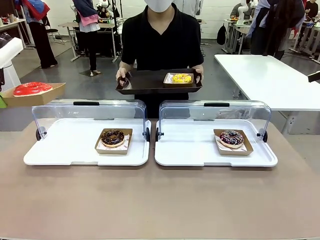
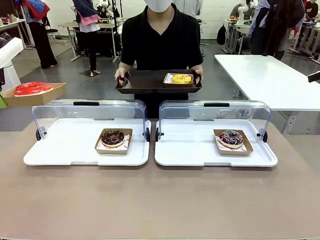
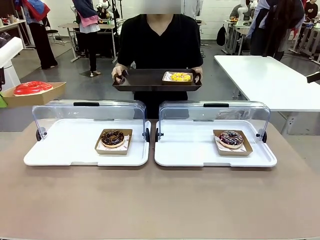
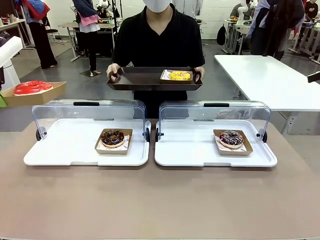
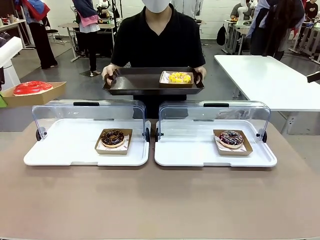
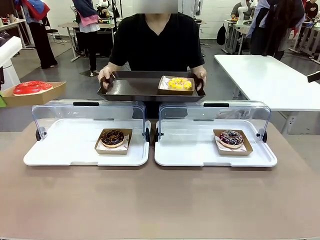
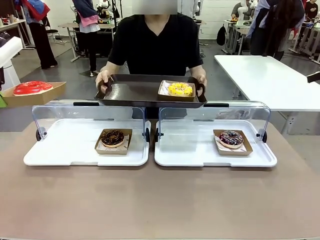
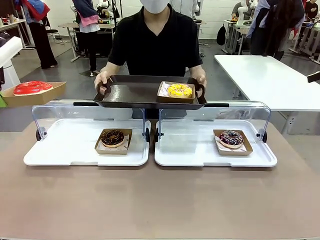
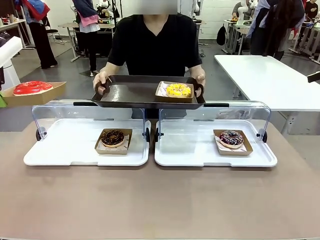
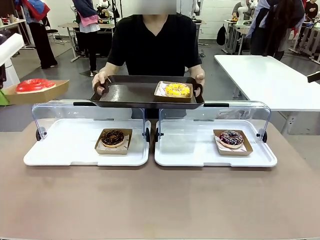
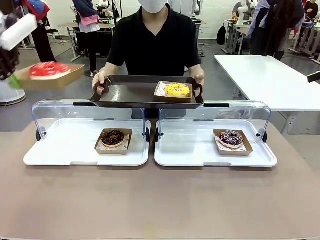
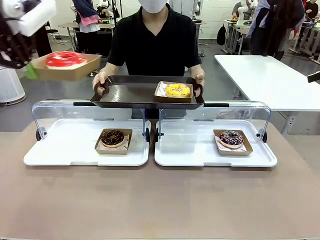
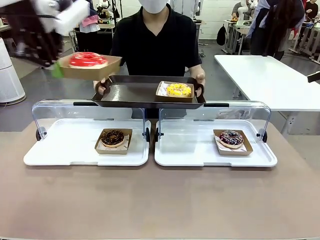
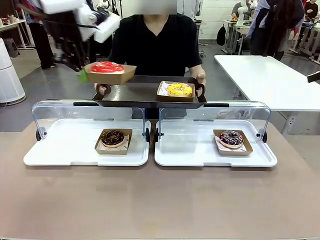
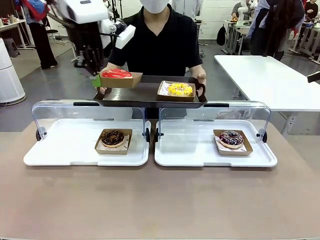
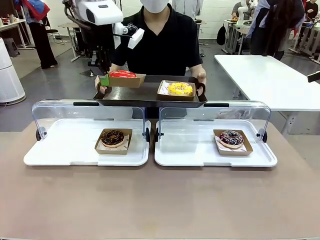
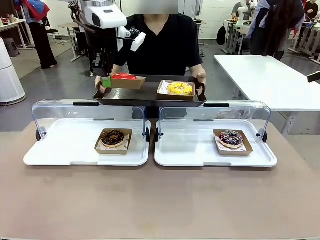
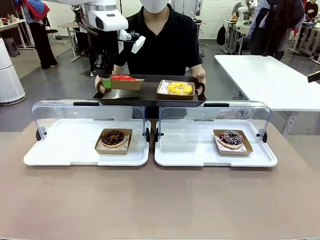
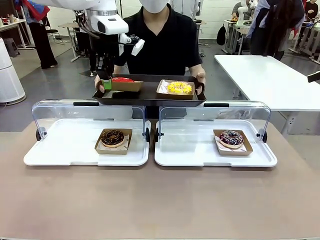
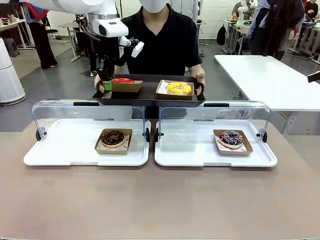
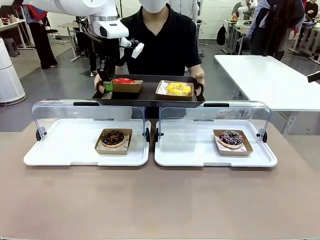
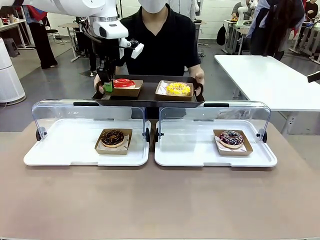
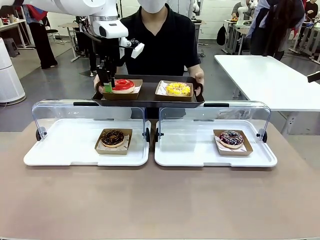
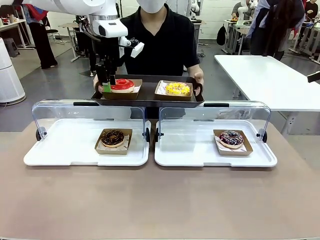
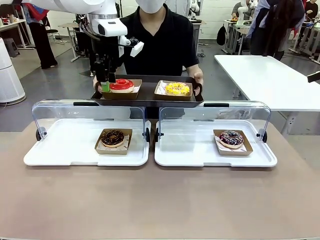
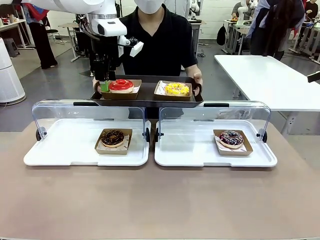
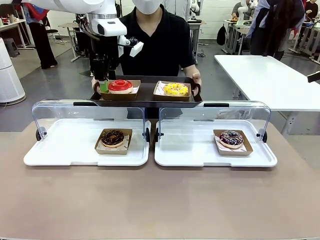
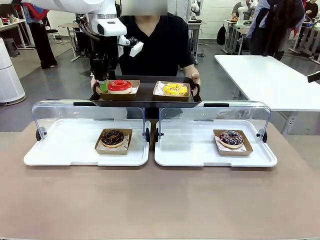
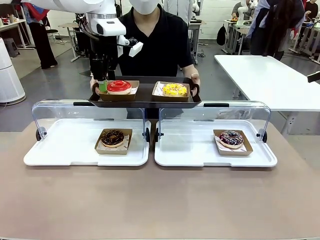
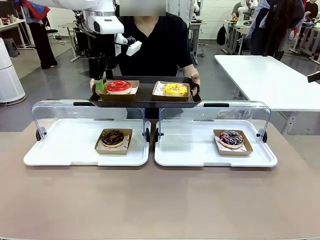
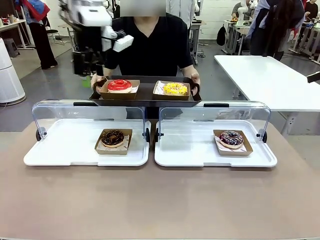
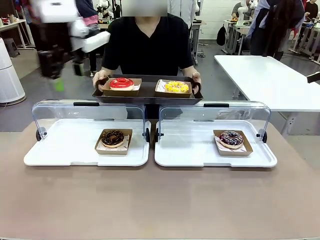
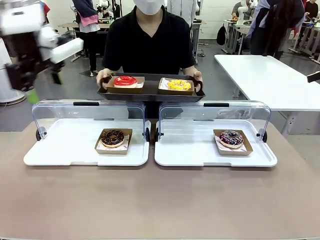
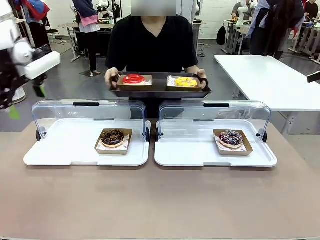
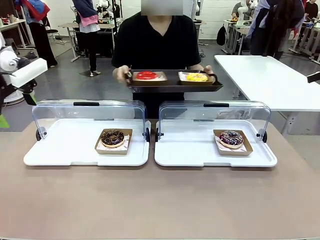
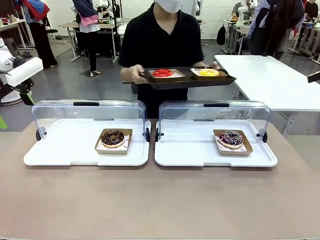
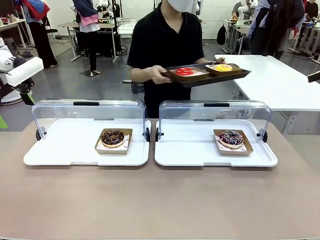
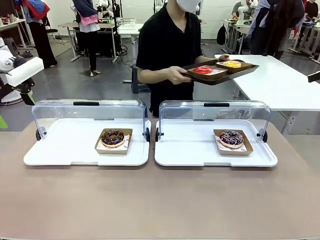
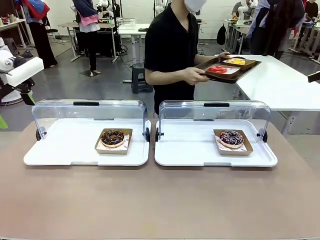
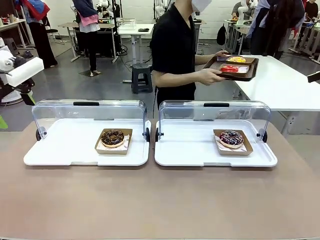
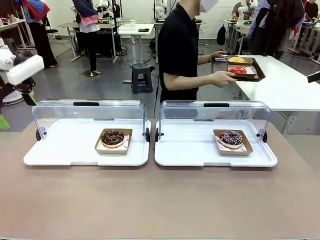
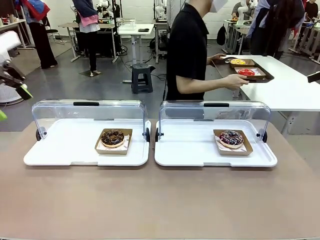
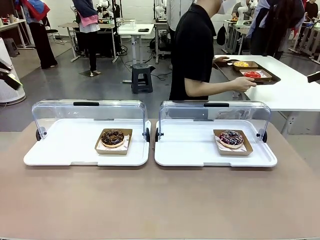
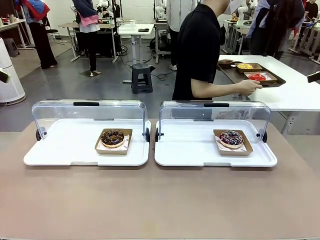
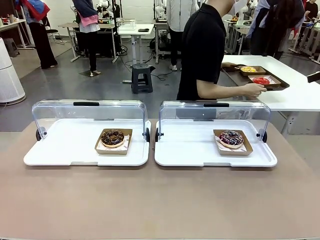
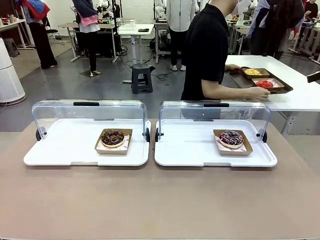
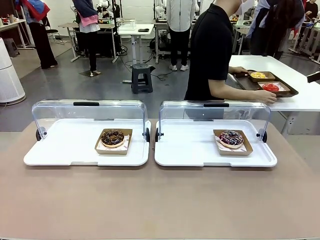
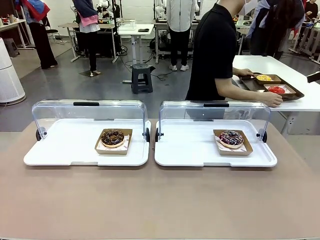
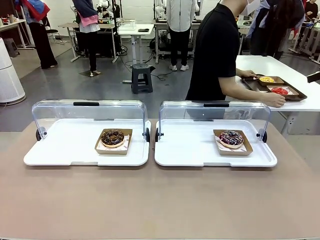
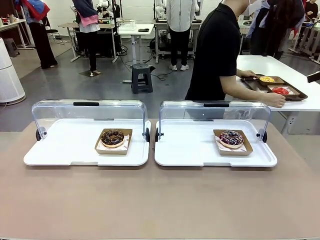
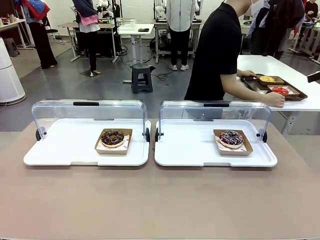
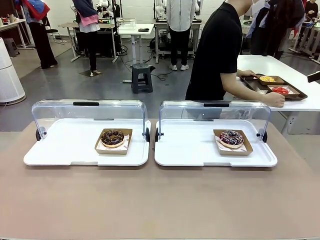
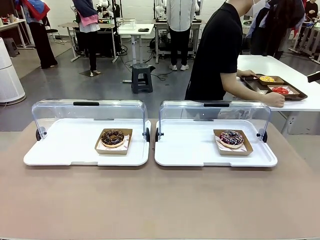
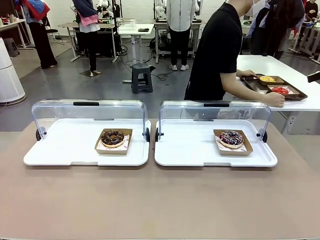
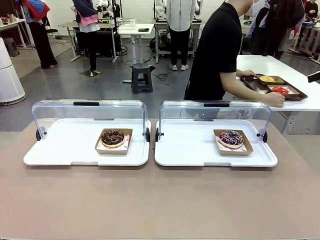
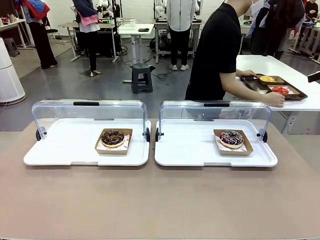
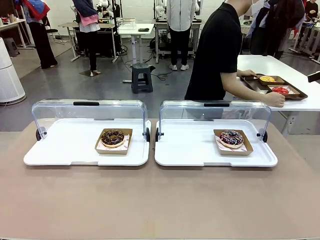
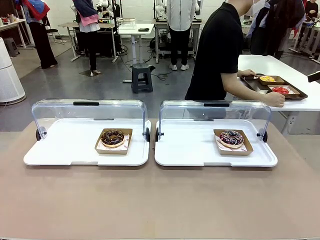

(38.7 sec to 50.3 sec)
Task: Provide the desired donut to the person.
Robot: Place the picked Paper togo box onto the Handle tray extended by the person.
Person: Place the tray in the middle of the human table.

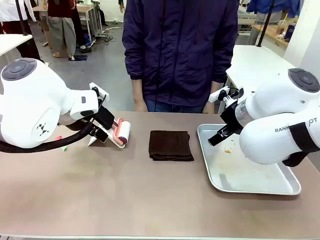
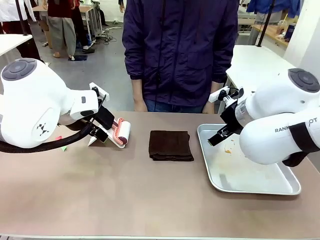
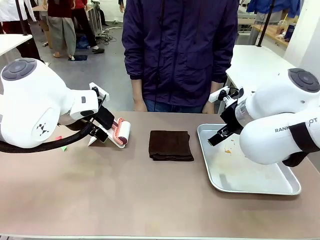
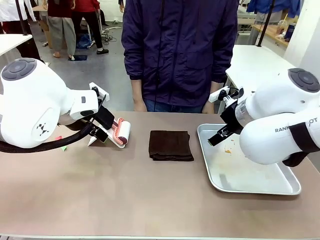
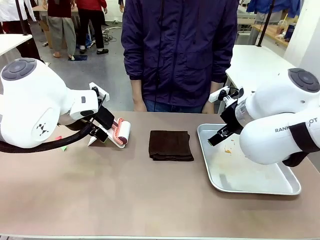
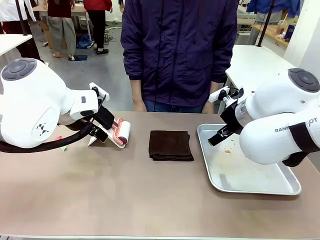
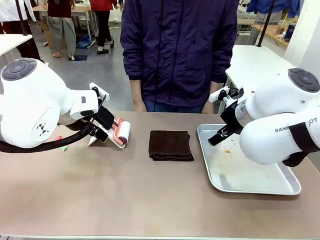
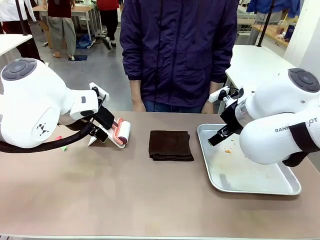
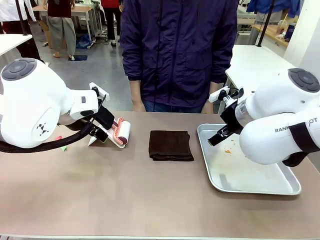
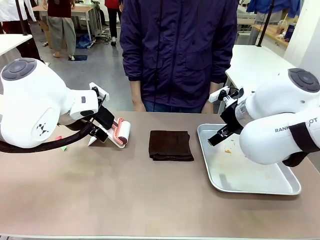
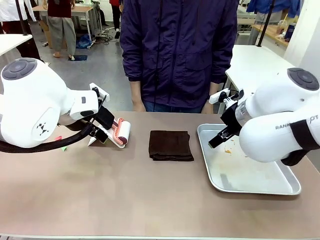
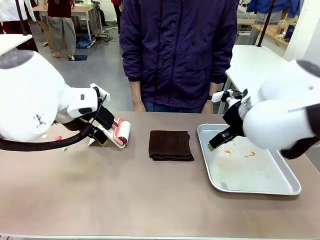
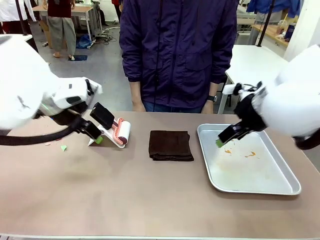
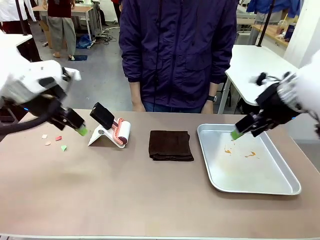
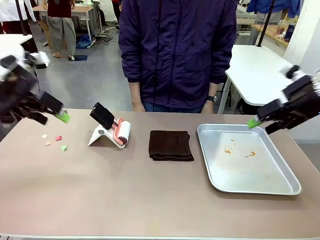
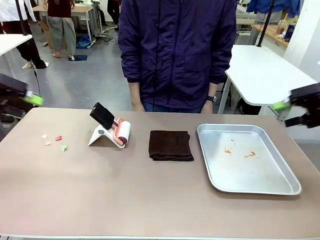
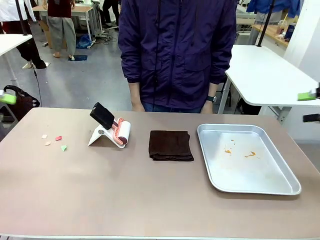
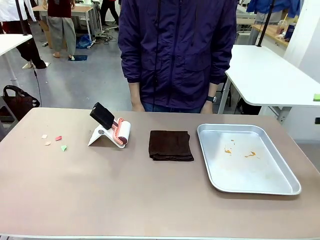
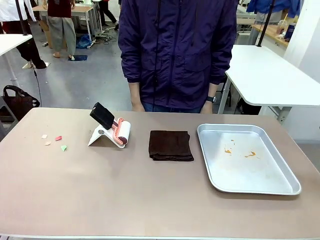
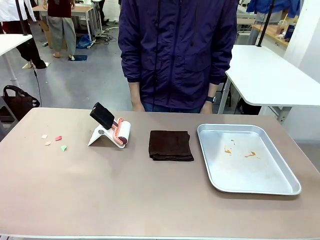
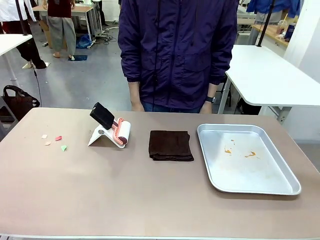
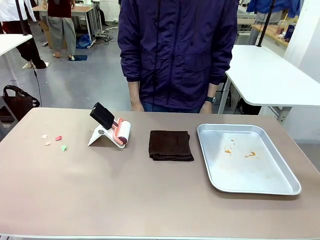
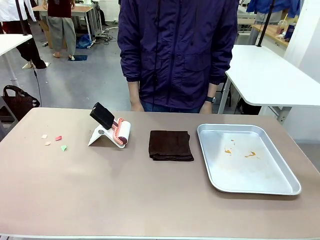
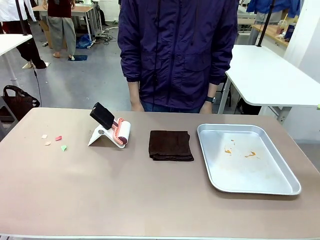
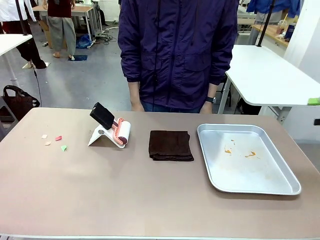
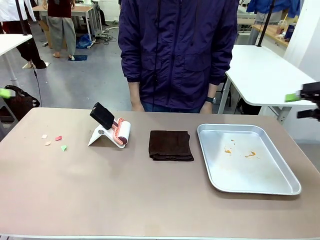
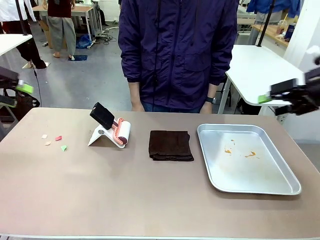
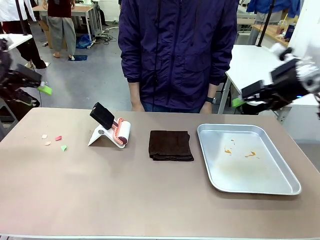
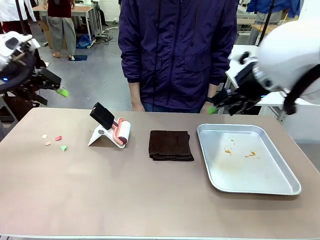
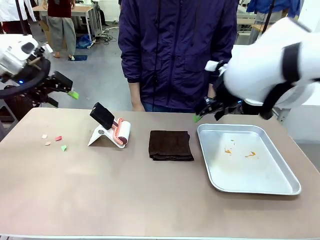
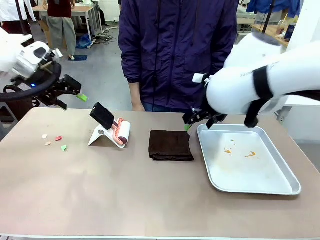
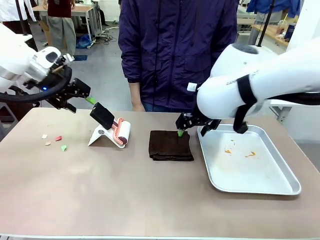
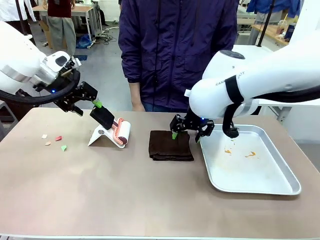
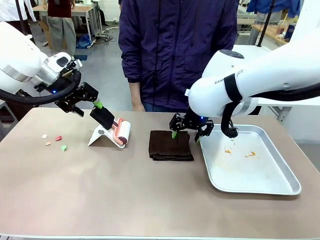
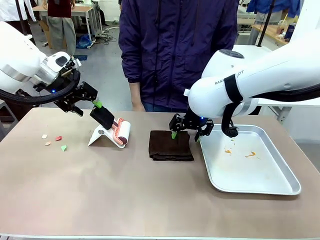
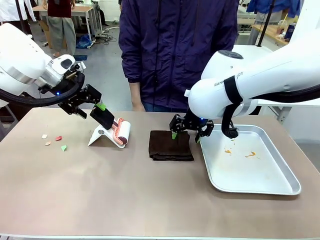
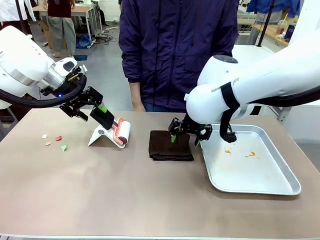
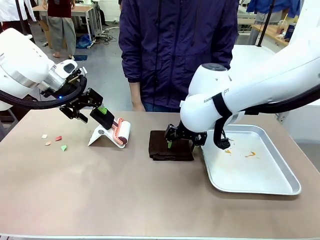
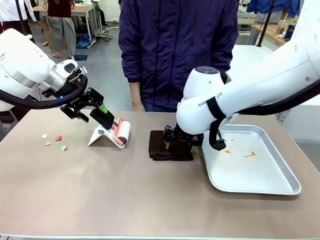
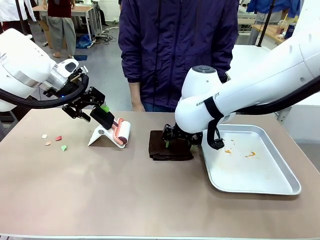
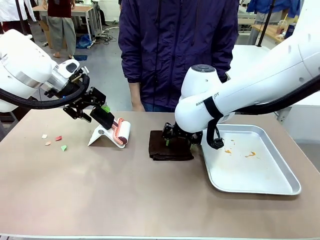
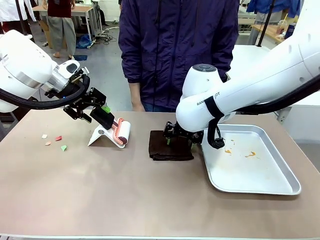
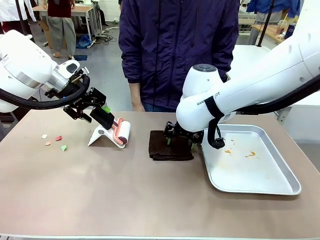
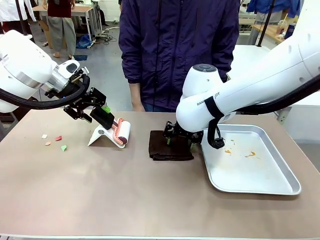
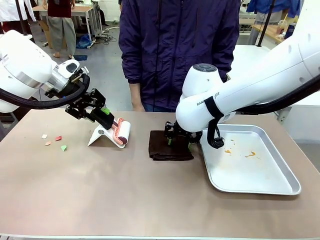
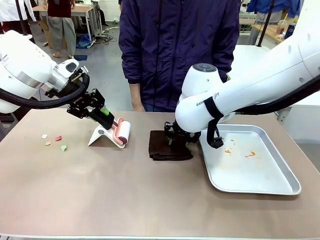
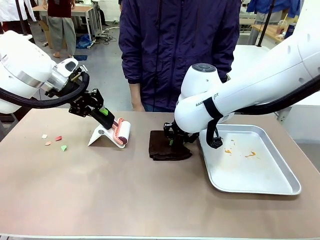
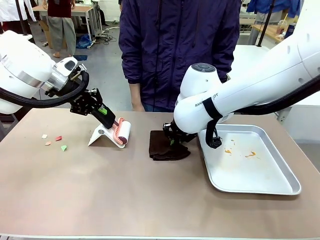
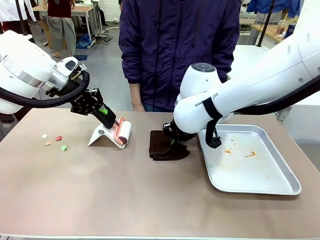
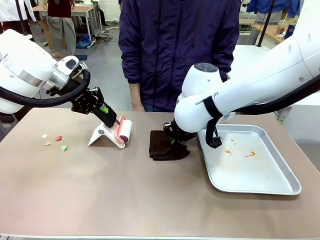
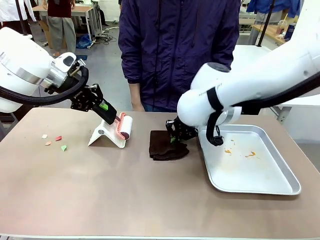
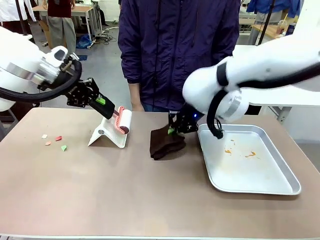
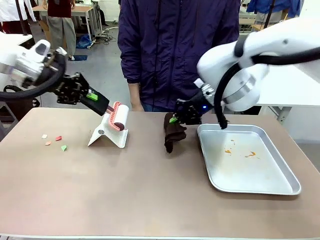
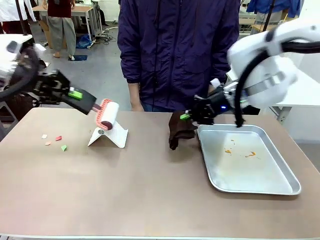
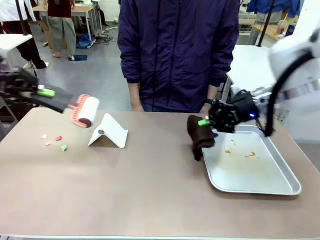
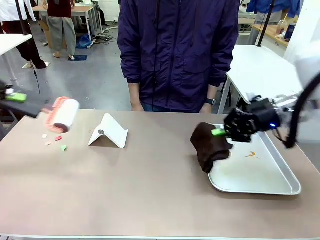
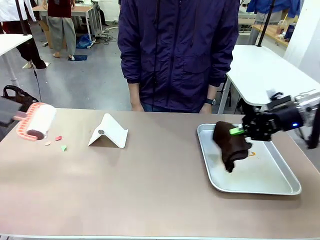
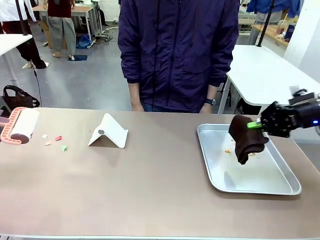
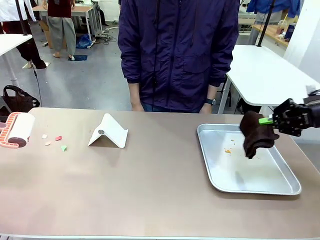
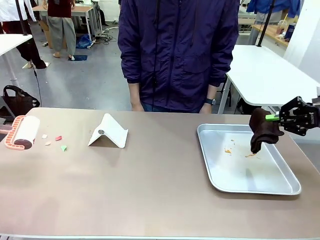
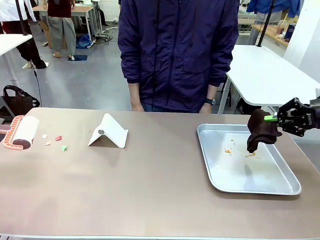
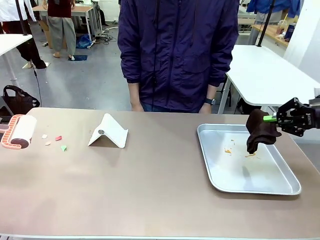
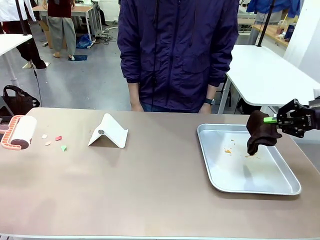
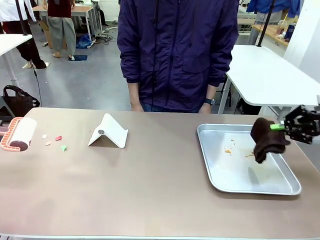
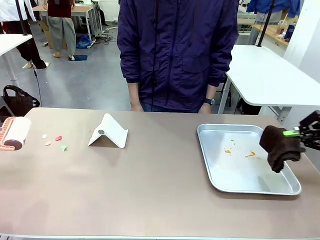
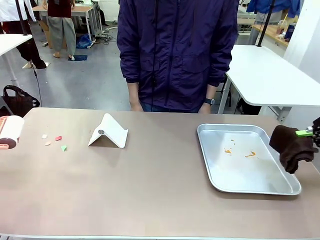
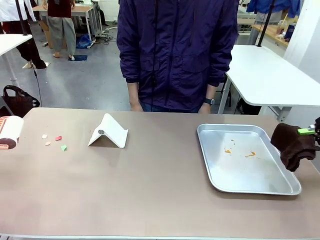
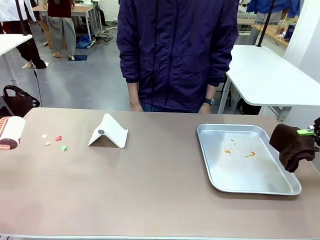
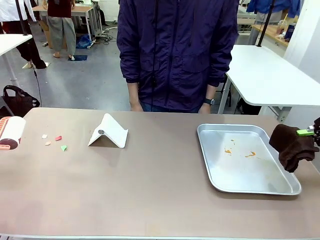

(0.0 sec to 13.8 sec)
Task: Clean the surface of the table.
Robot: Hold the Lint Roller with your left hand and the towel with your right hand.
